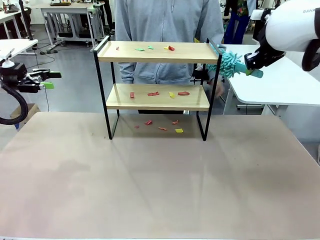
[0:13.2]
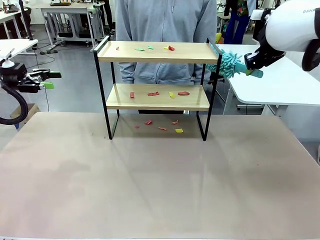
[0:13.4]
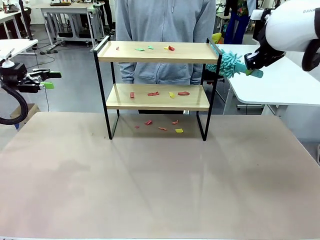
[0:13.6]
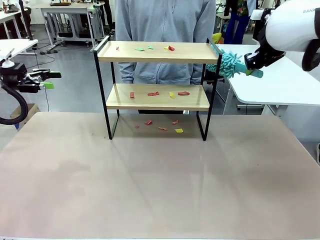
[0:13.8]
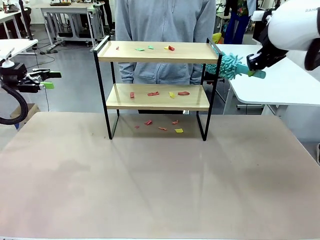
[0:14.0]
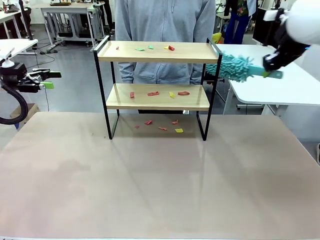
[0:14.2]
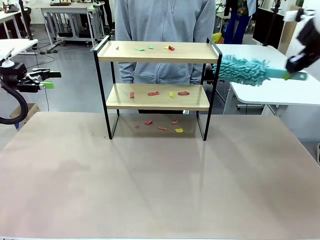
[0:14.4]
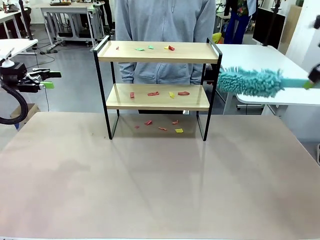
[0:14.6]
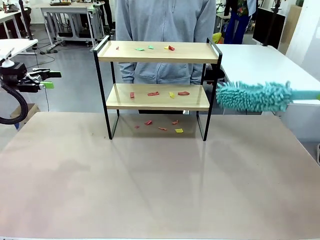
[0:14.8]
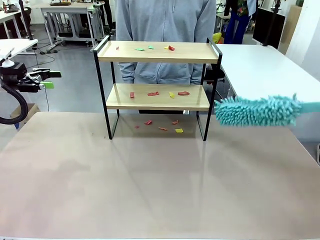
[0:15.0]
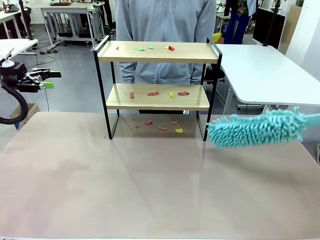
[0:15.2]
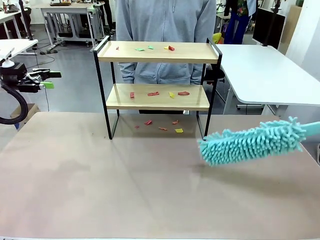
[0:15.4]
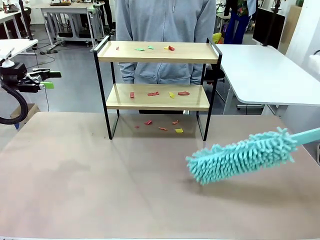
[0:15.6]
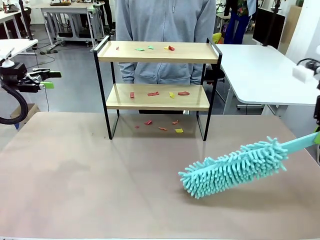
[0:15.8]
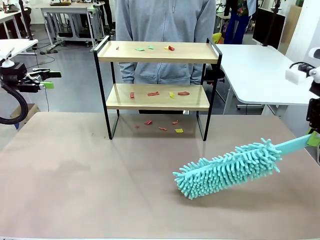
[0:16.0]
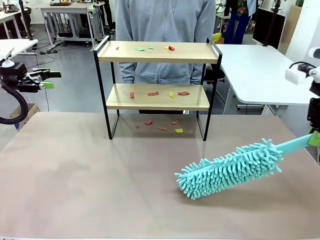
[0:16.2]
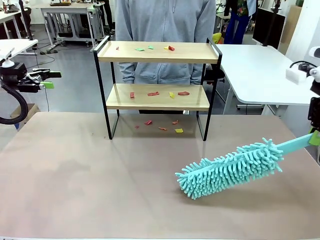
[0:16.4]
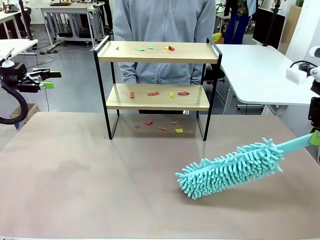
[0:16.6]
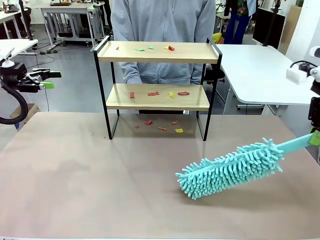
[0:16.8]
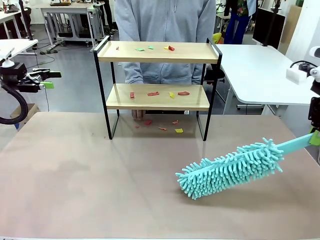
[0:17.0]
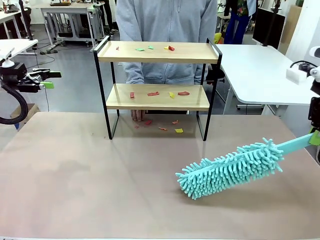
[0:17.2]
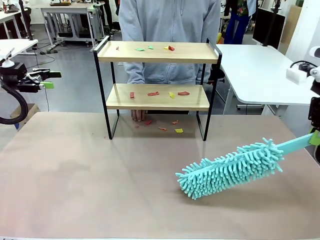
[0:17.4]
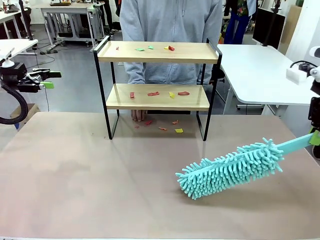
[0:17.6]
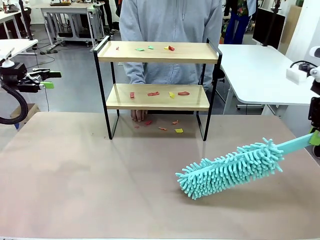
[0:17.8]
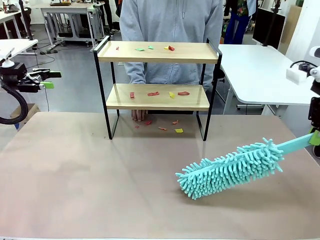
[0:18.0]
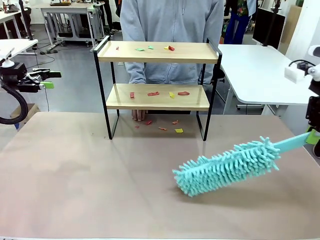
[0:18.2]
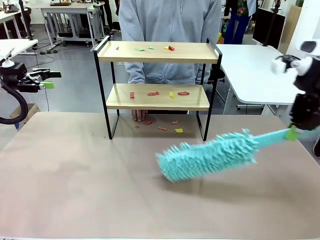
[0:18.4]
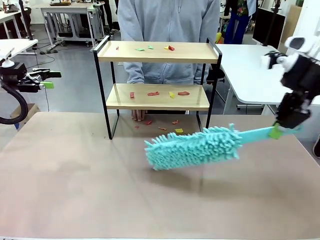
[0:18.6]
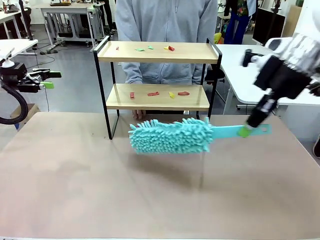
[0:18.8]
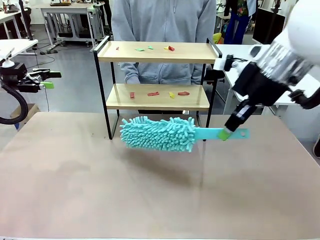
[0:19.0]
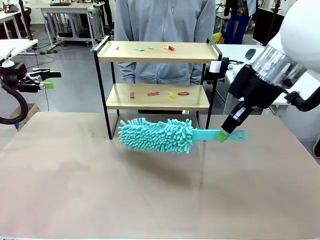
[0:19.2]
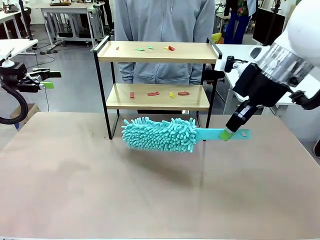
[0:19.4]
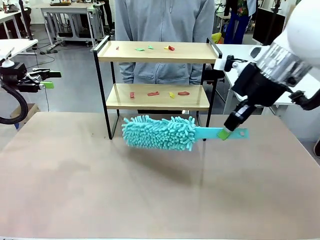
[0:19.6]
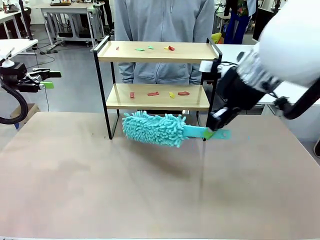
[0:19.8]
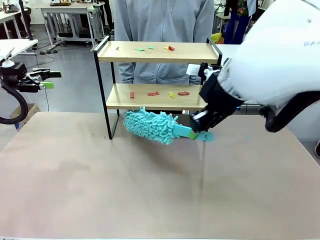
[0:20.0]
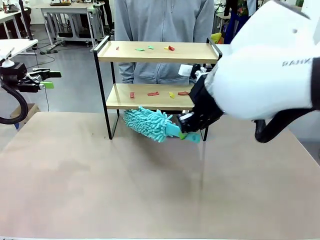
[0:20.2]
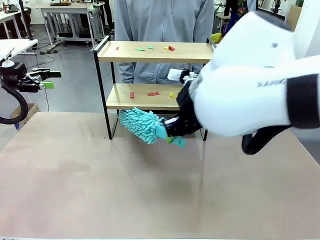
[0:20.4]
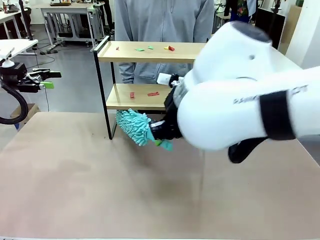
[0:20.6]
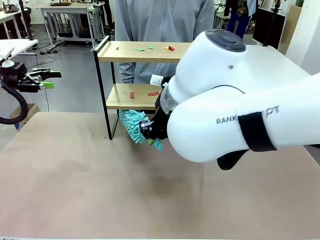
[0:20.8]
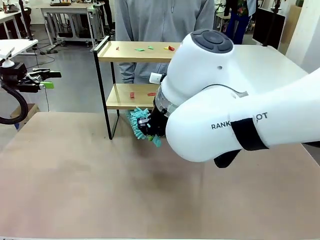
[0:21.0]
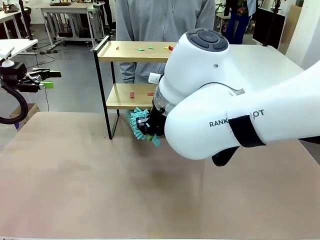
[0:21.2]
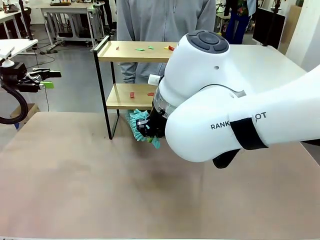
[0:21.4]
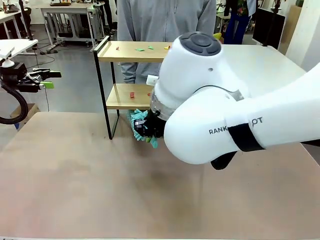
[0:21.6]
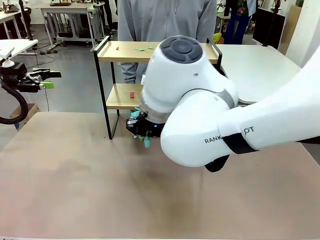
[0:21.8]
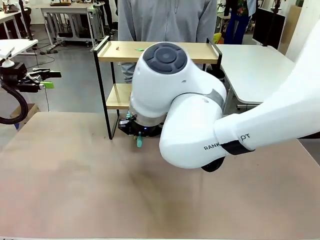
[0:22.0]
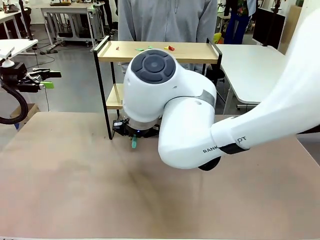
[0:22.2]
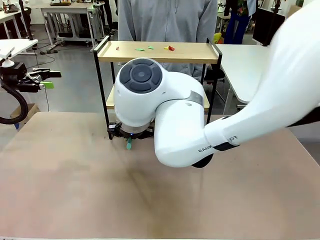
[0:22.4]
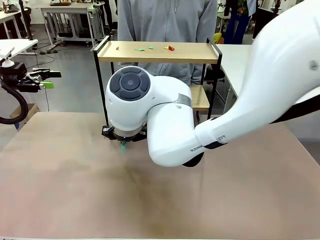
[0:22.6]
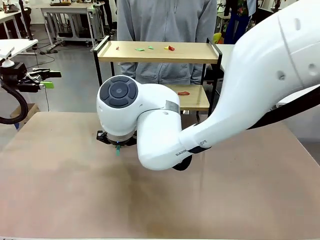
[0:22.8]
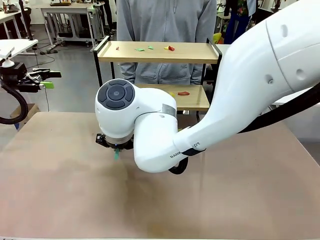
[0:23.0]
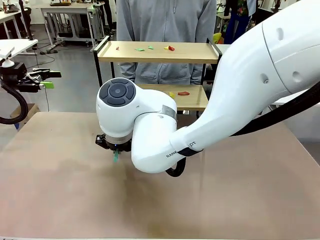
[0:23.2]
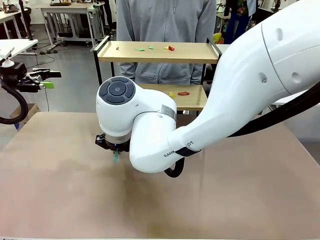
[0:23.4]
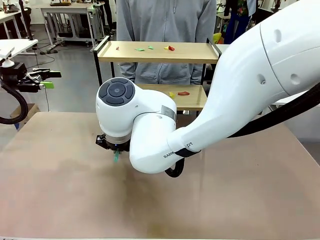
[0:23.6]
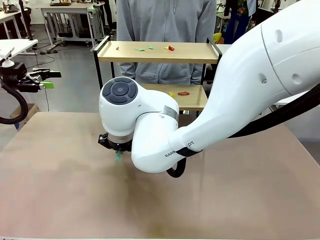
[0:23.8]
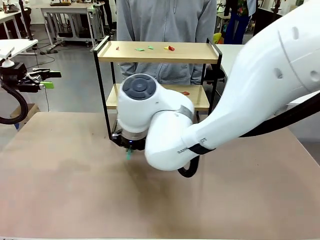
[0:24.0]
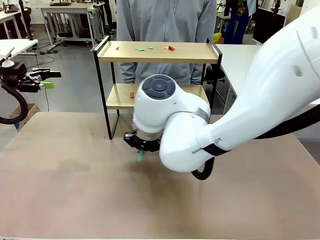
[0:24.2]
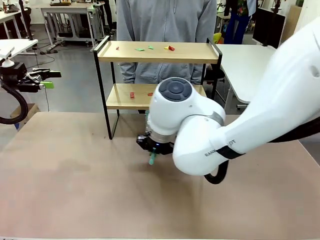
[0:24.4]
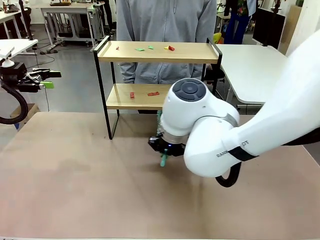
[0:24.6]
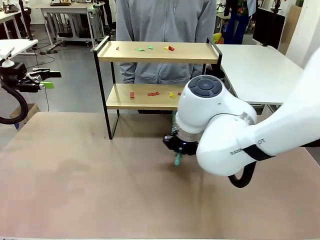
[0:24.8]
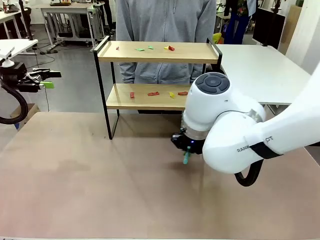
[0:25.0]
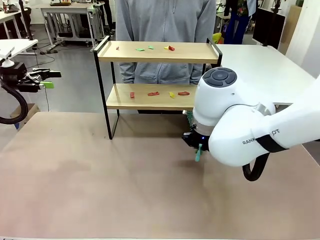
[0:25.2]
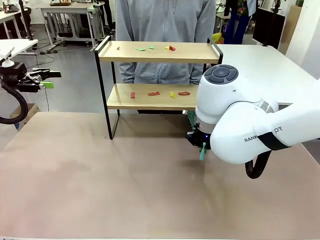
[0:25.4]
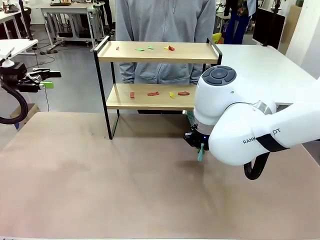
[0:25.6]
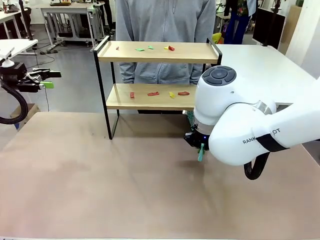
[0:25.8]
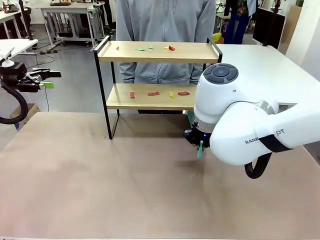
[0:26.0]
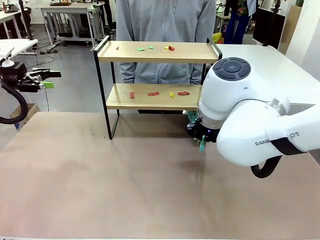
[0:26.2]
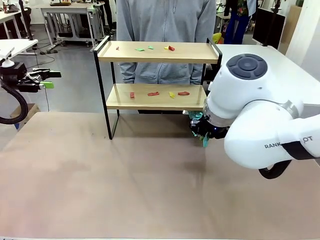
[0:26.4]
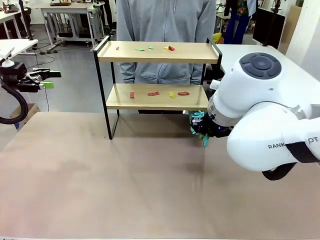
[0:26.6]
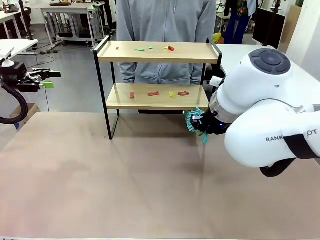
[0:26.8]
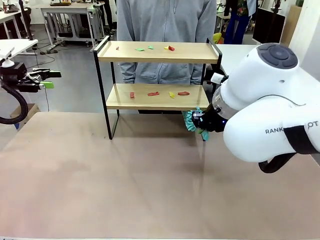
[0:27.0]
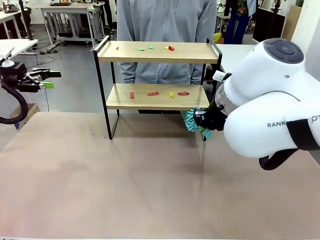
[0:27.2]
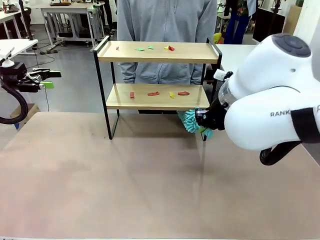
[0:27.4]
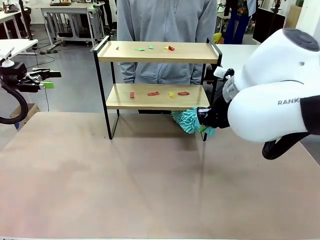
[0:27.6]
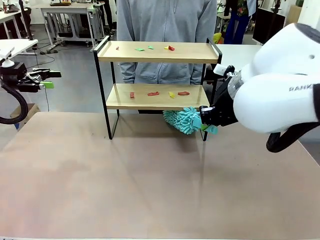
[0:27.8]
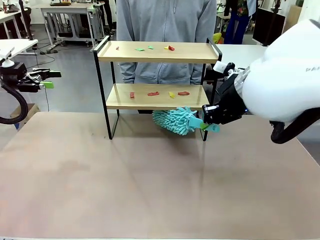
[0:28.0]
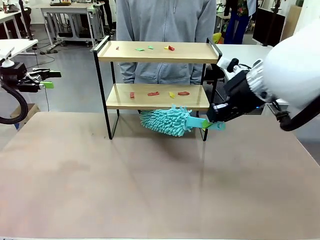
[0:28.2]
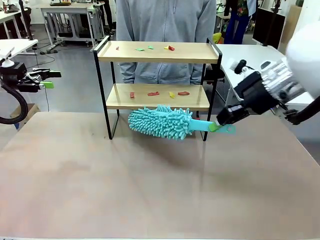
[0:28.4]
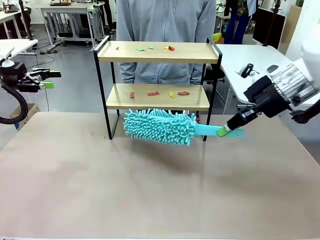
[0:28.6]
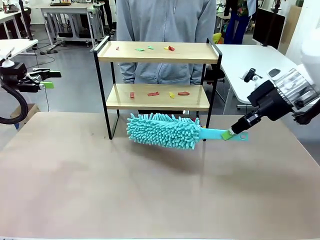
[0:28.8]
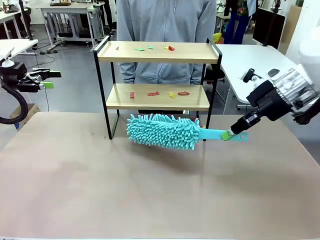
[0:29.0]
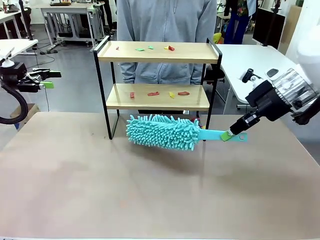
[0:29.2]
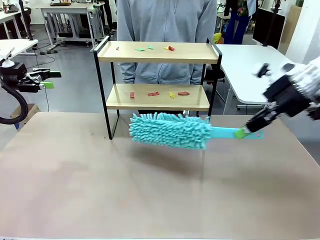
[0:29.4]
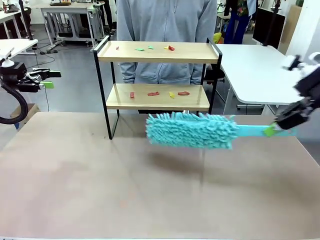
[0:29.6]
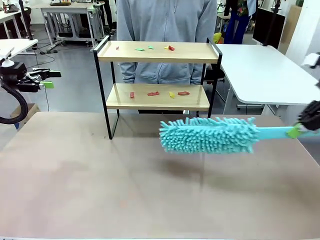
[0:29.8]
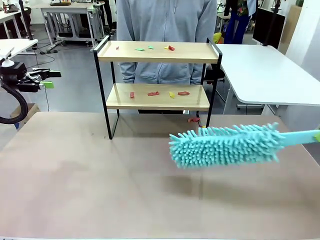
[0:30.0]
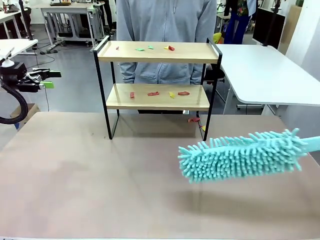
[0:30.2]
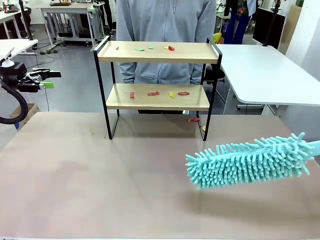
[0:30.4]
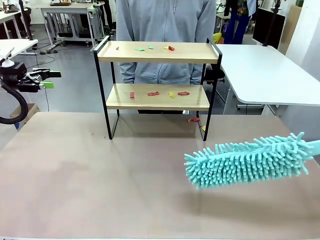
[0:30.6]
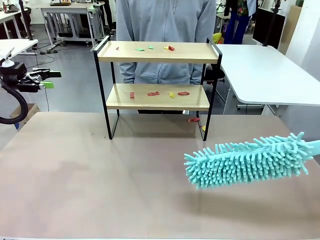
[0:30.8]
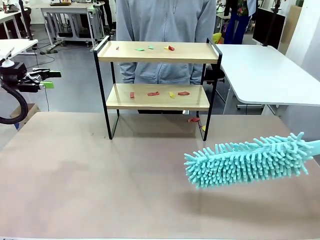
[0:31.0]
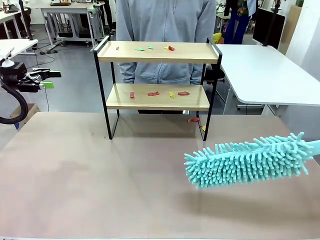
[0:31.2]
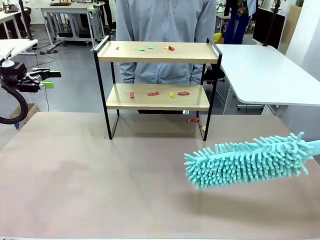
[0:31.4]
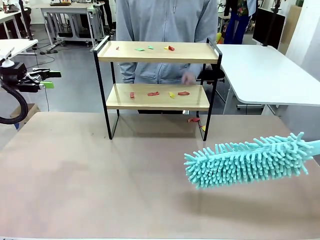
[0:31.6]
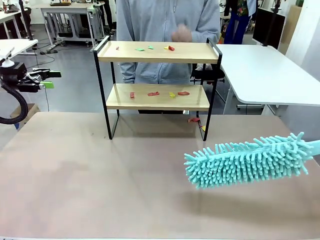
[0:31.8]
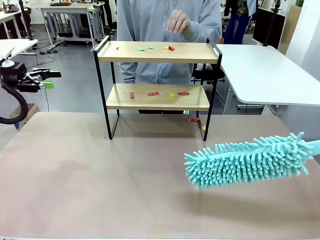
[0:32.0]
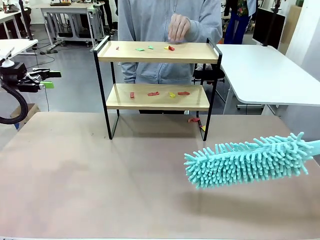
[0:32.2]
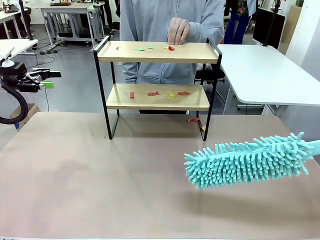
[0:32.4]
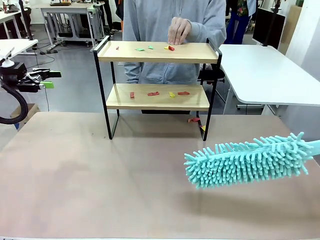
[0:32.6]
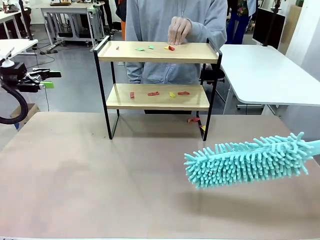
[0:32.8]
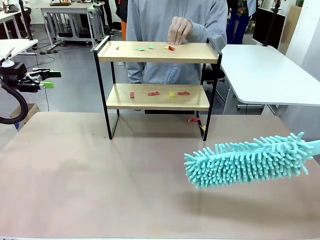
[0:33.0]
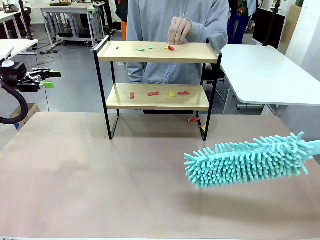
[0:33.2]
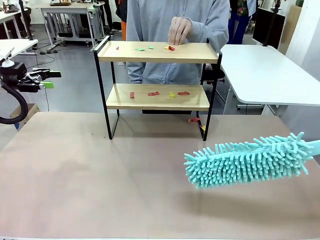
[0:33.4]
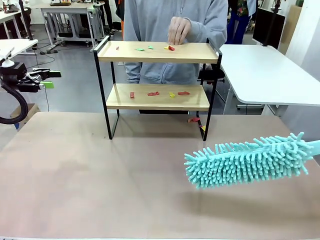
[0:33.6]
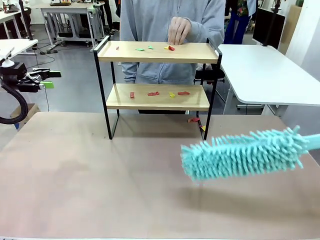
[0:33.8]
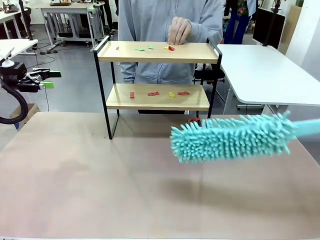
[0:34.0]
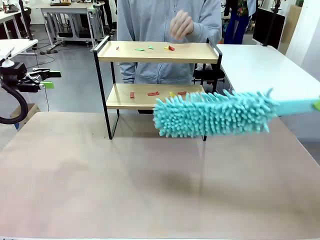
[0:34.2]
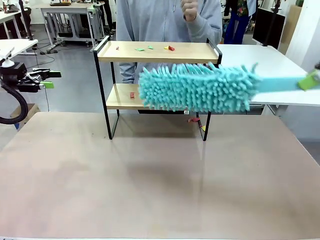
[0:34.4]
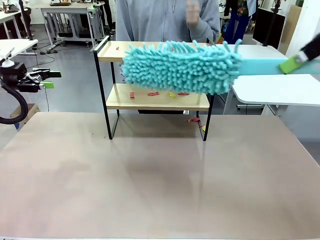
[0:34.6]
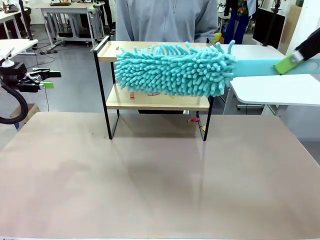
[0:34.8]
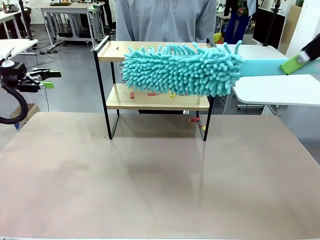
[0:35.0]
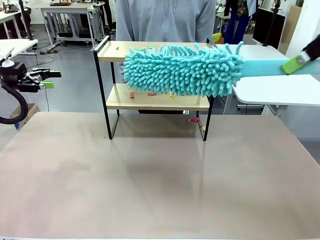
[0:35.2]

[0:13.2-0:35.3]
Task: Clean the shelf.
Robot: Clean the specific section of the Shelf indicated by the human with the Duster.
Person: Point a random section of the Shelf.
